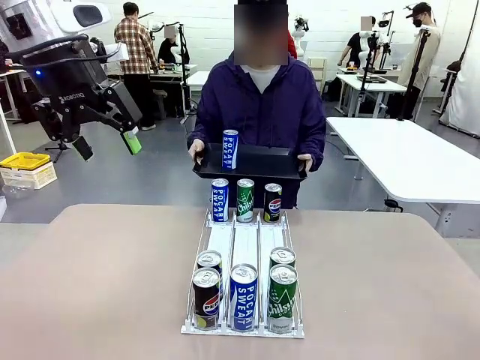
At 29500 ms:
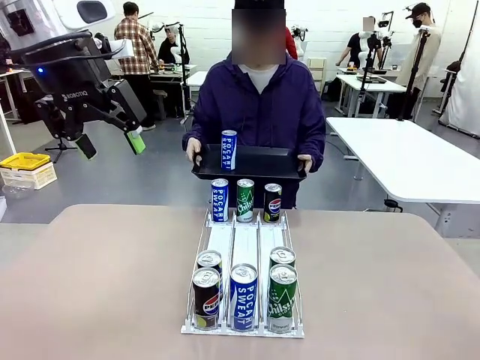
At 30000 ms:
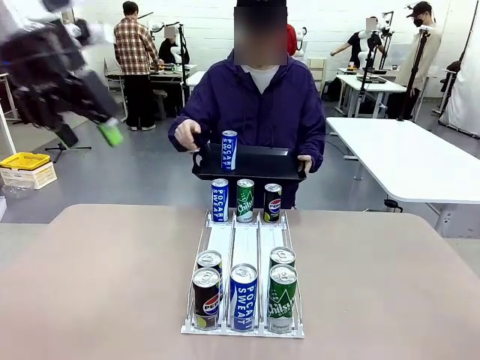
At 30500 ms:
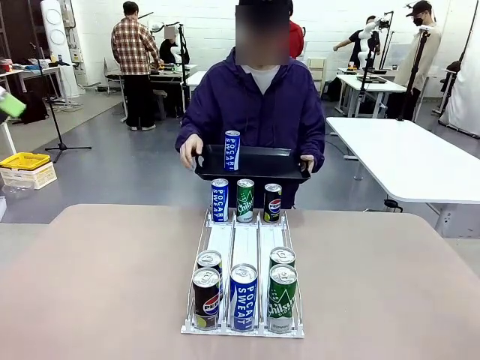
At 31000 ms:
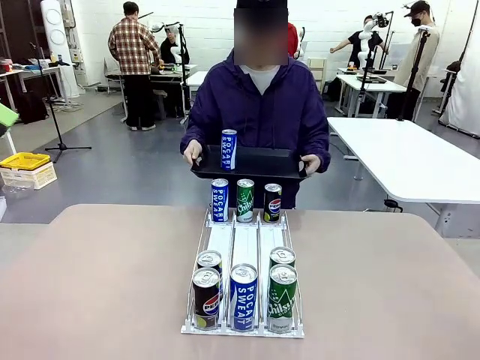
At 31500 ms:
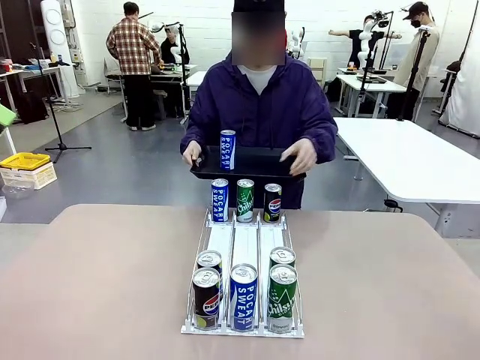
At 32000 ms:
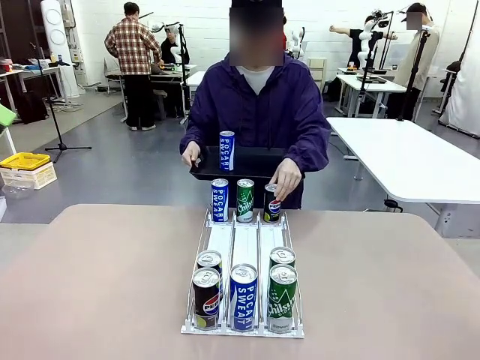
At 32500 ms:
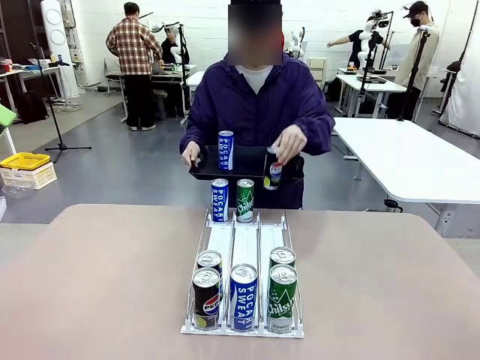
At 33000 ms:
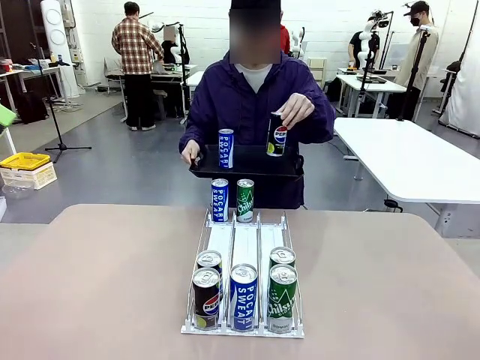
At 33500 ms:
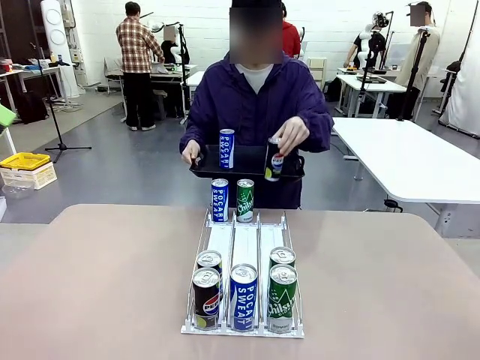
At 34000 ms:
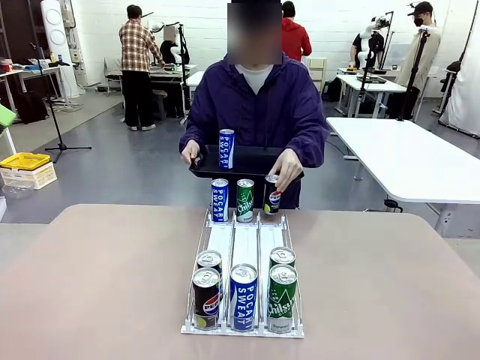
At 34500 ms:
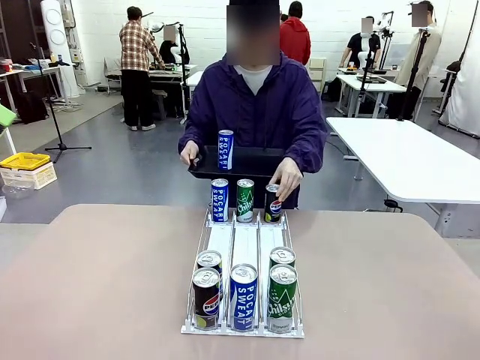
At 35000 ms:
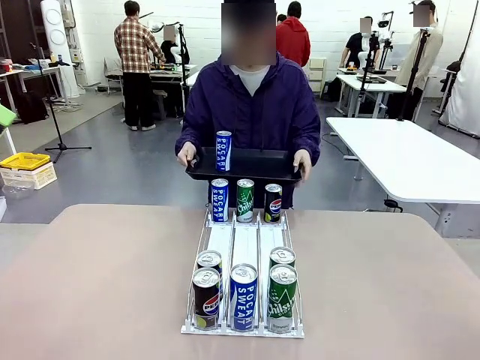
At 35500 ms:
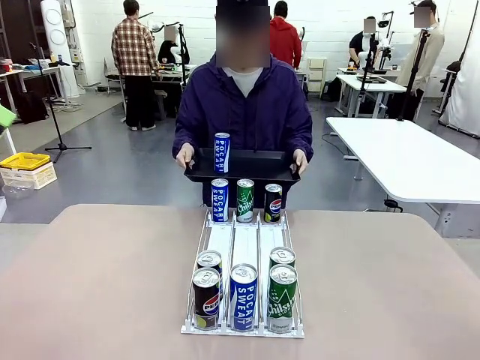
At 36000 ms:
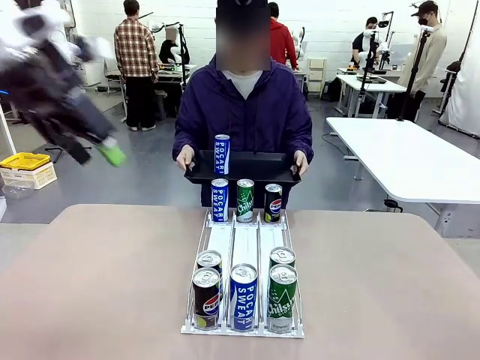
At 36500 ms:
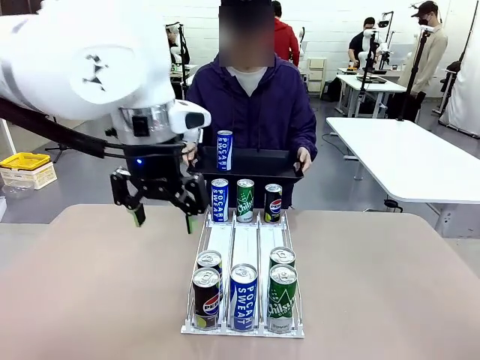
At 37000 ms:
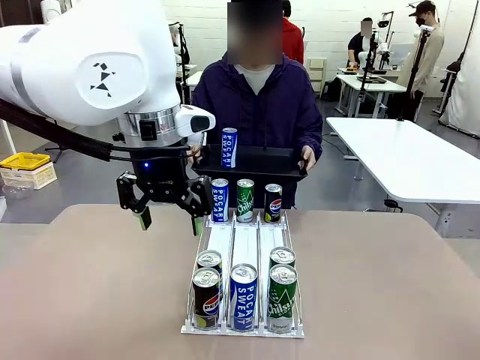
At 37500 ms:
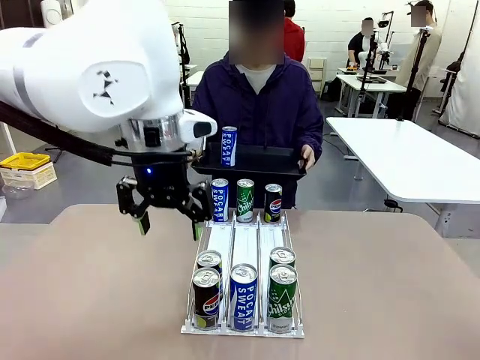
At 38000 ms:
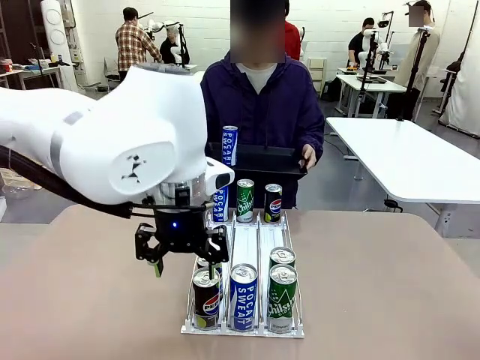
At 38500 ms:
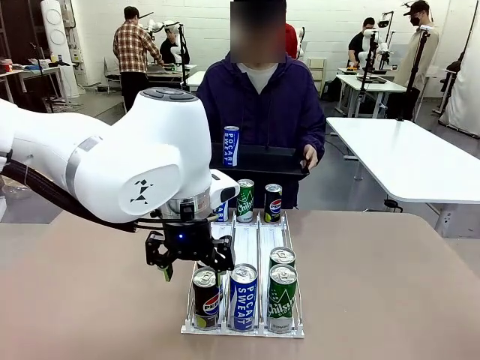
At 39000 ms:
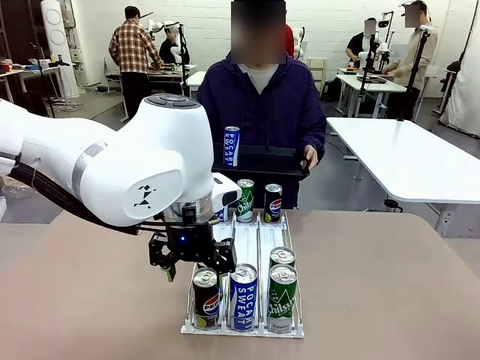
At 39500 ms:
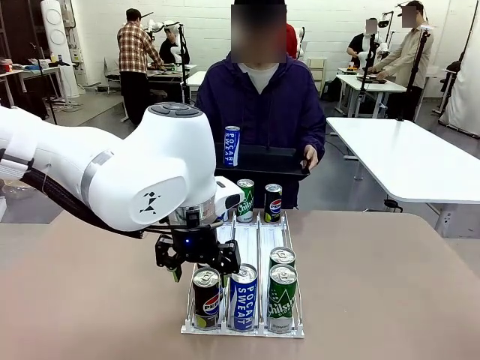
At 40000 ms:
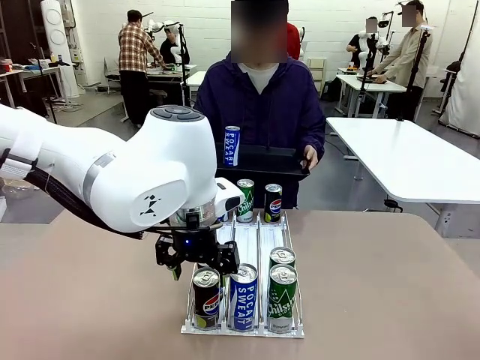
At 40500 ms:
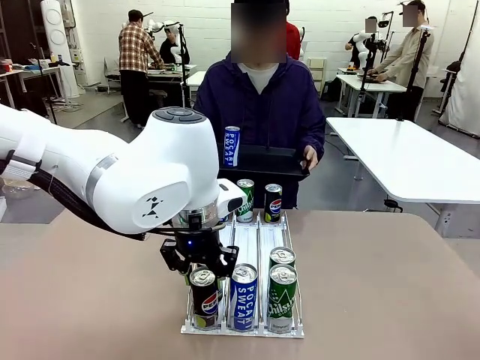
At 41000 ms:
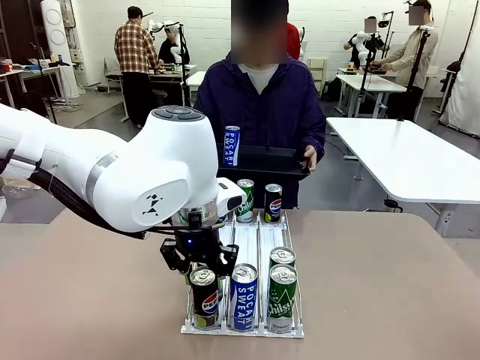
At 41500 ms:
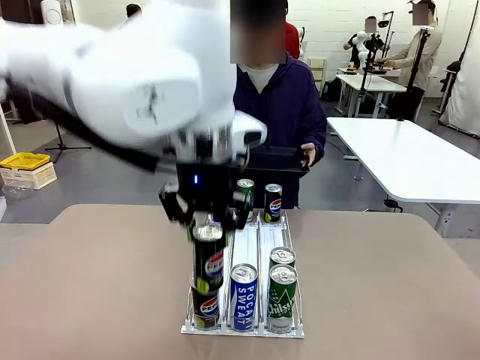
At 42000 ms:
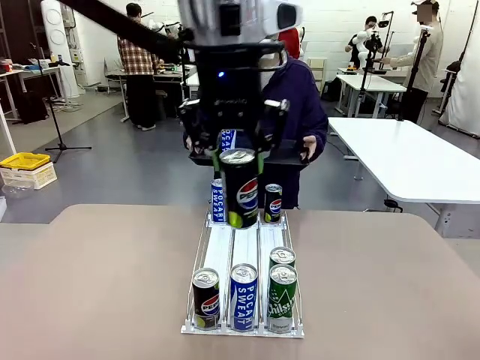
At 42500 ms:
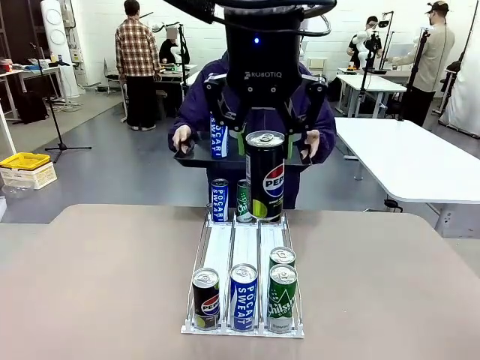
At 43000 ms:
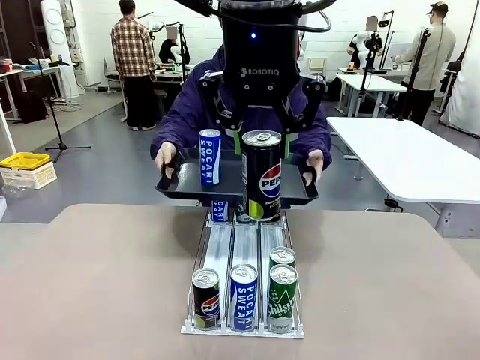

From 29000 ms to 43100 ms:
Task: Retrieve and hand over the desired beverage to the person.
Robot: Pick up another can of the same type that the person held from the Automatic Can Dispenser.
Person: Pull the tray back, then pick up another can from the bottom area of the table and puts it back in its original place. Push the tray toward the robot again.

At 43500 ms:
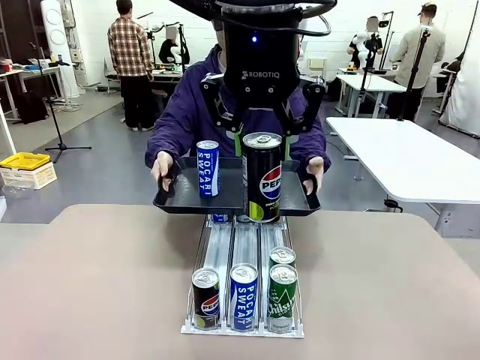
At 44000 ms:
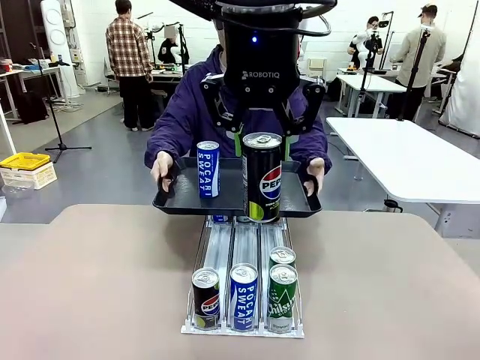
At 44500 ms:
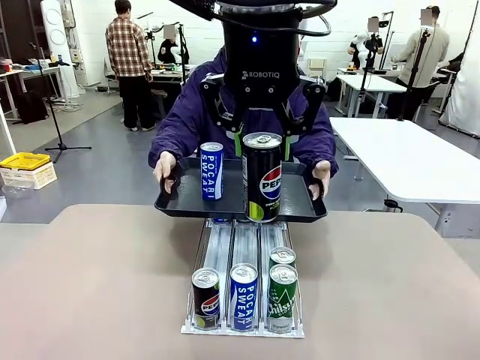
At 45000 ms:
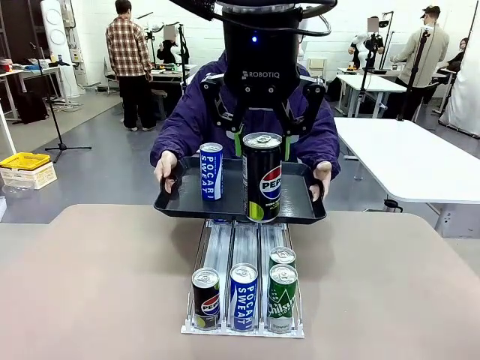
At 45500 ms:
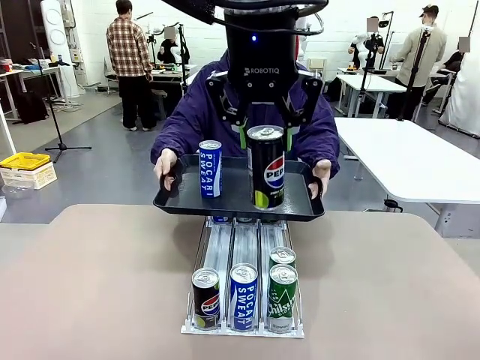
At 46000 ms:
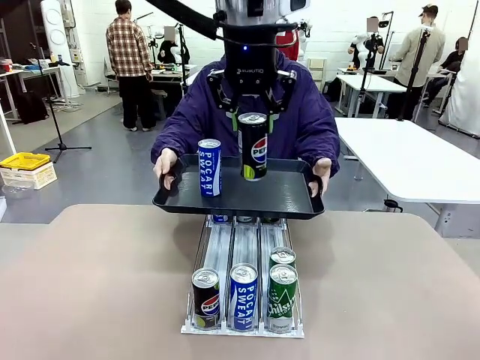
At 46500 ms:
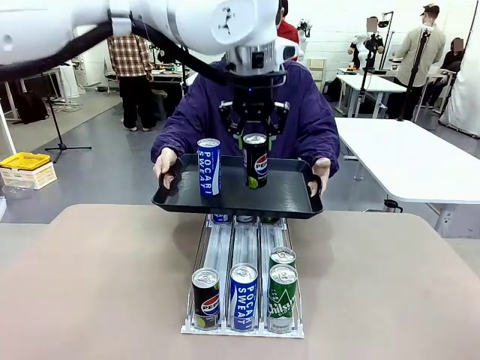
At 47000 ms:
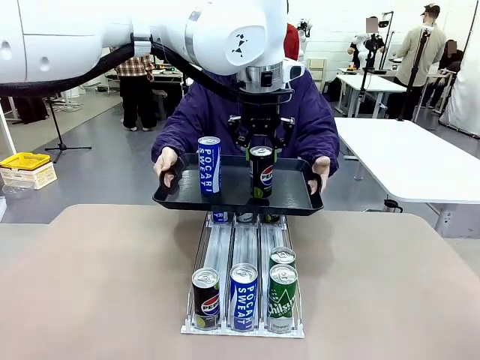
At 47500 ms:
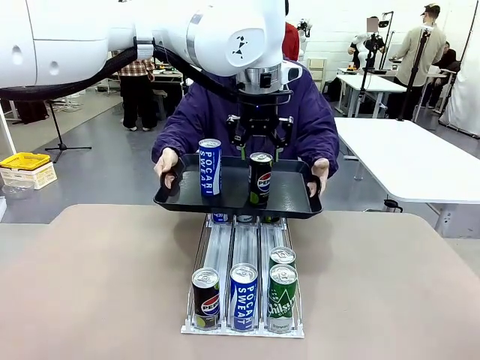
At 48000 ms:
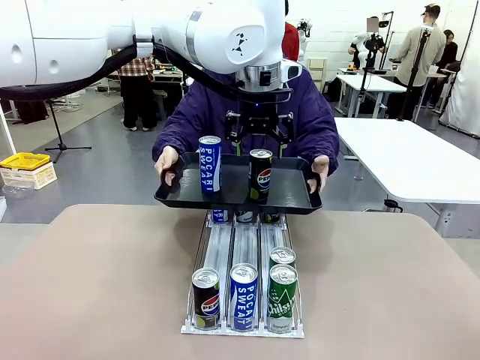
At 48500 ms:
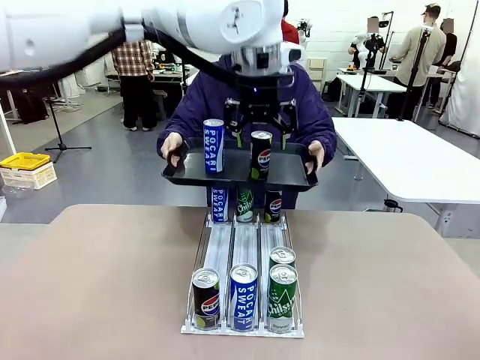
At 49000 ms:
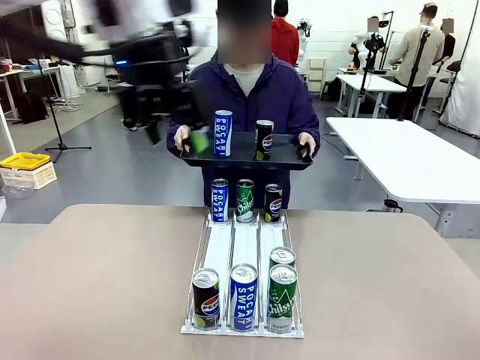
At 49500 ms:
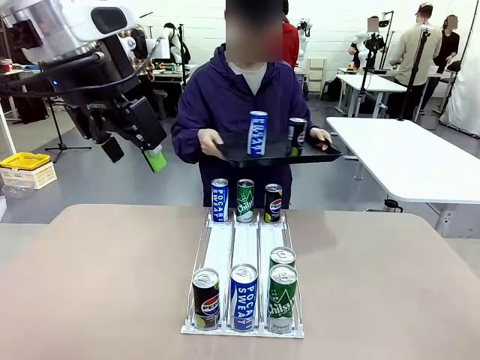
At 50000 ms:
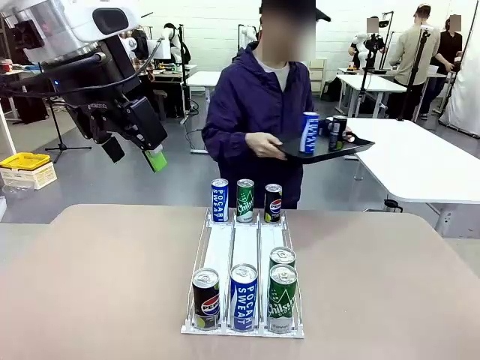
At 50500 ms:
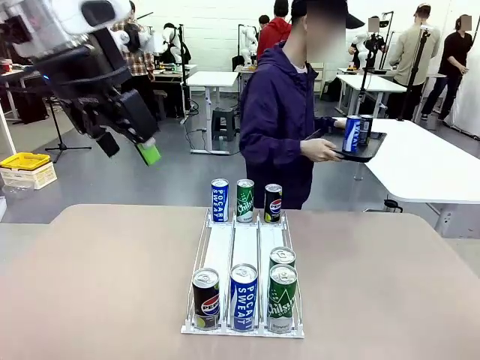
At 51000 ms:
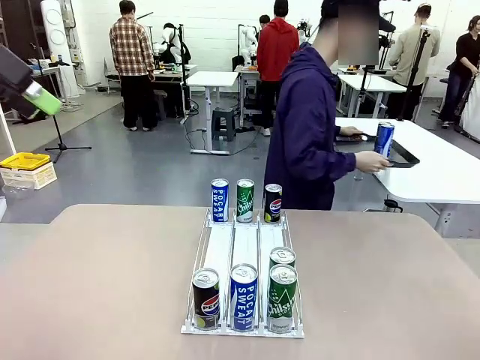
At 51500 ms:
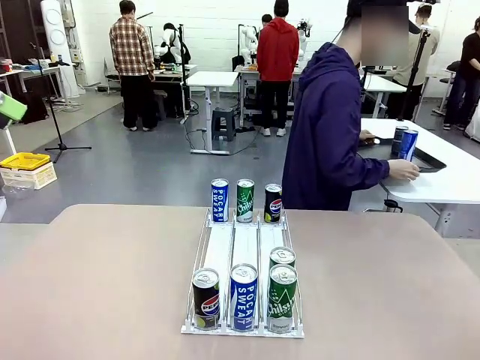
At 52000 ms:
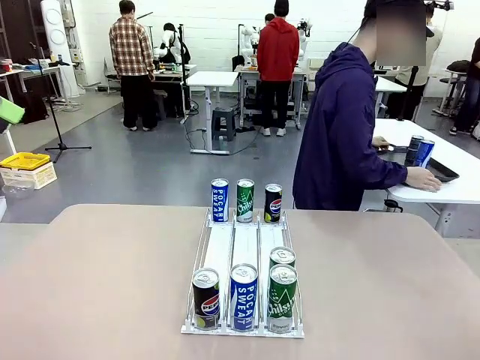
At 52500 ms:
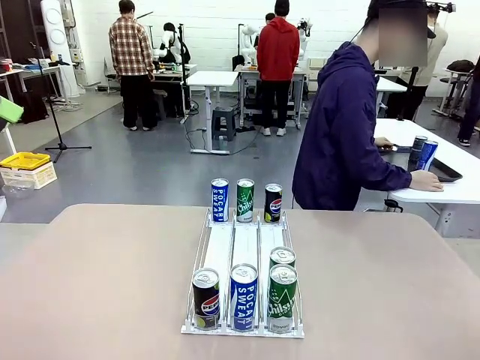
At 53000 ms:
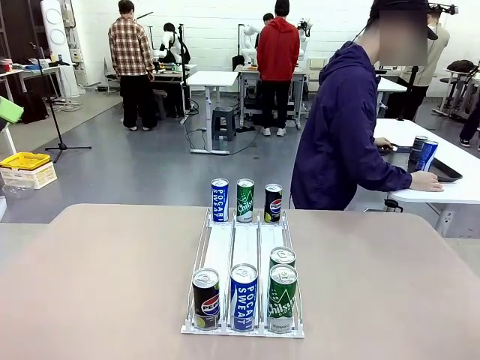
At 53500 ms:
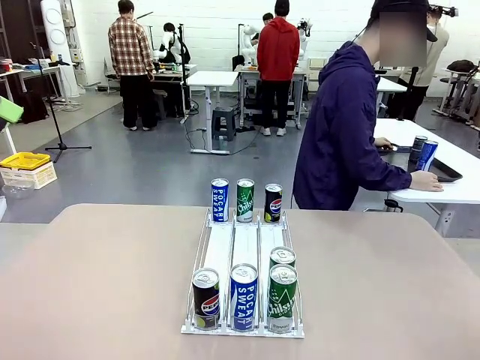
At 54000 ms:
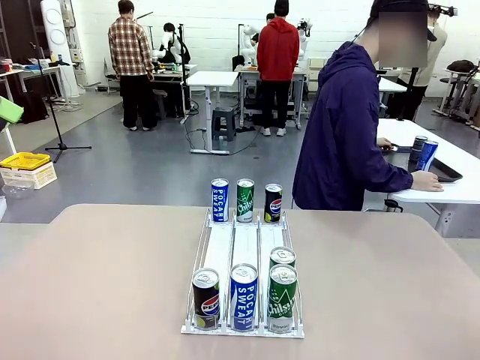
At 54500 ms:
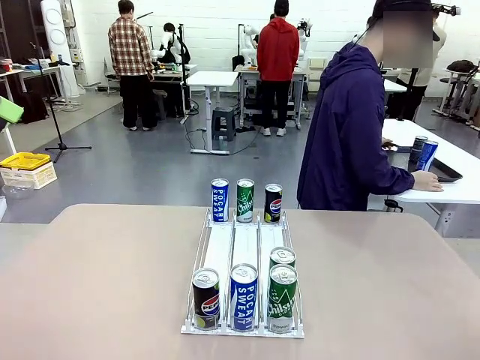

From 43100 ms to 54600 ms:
Robot: Place the picked can on the Handle tray extended by the person.
Person: Pull the tray back and place it at the center of the human table.
